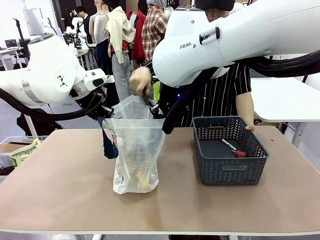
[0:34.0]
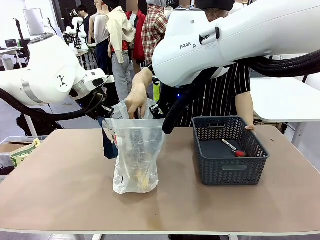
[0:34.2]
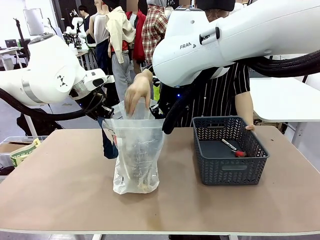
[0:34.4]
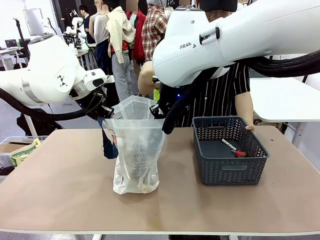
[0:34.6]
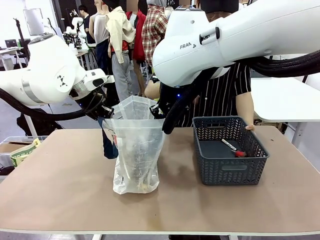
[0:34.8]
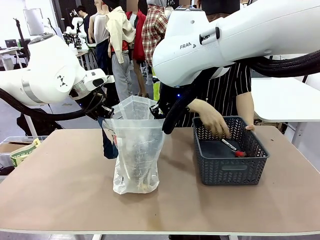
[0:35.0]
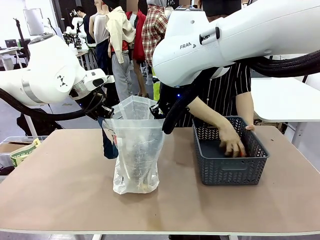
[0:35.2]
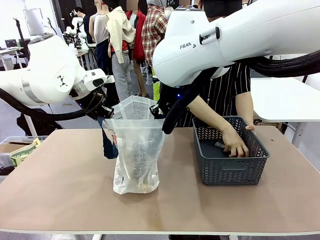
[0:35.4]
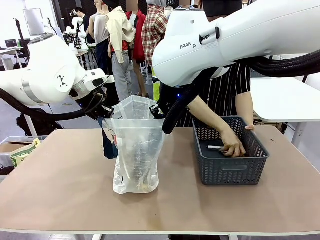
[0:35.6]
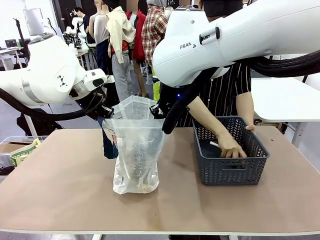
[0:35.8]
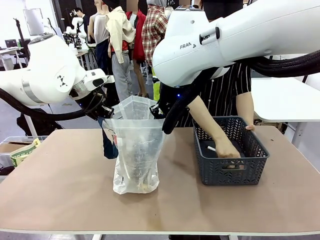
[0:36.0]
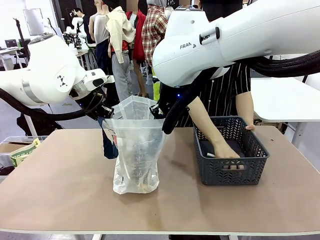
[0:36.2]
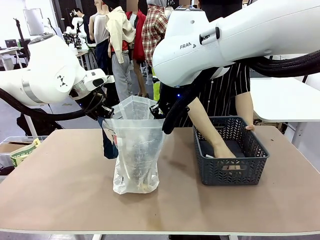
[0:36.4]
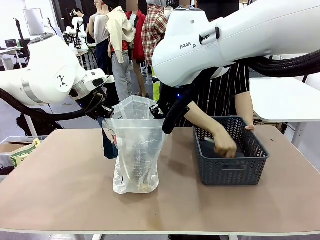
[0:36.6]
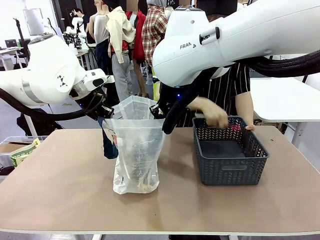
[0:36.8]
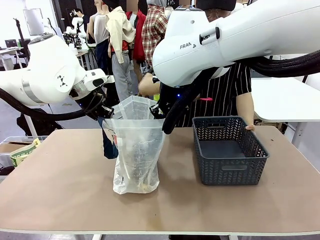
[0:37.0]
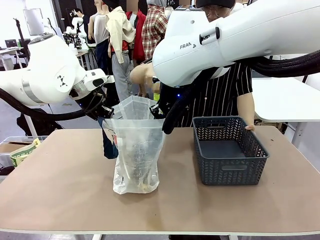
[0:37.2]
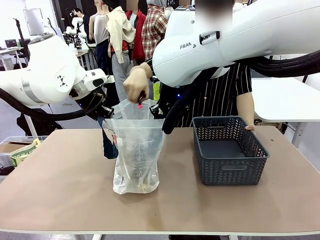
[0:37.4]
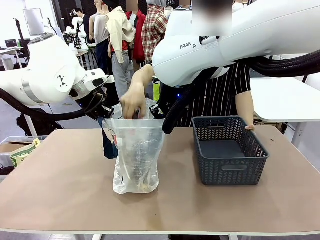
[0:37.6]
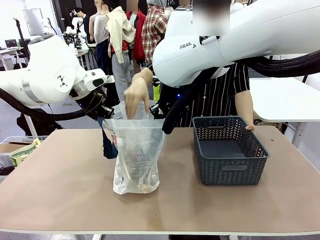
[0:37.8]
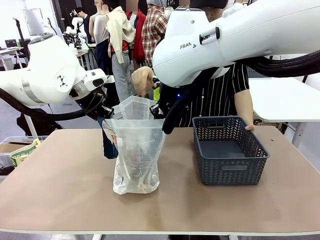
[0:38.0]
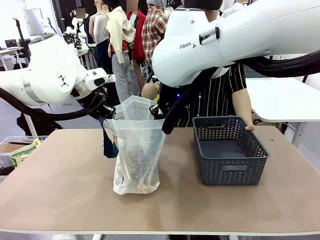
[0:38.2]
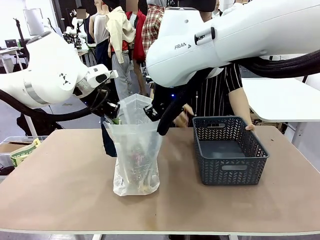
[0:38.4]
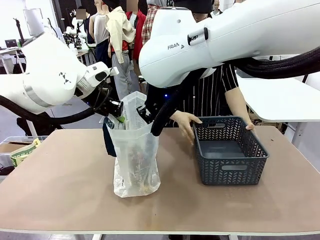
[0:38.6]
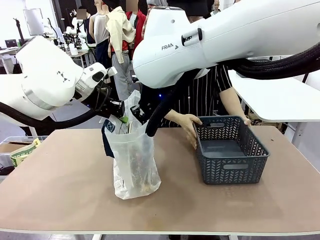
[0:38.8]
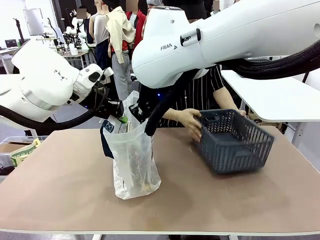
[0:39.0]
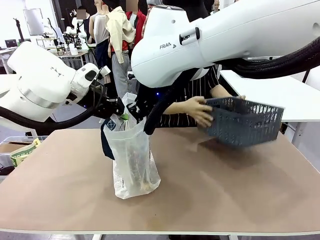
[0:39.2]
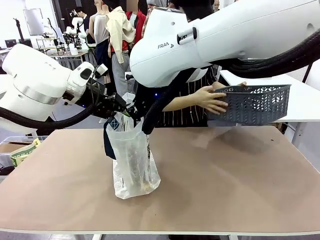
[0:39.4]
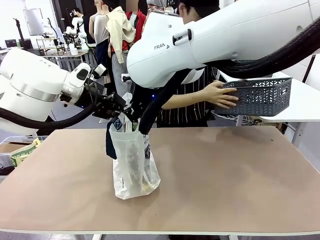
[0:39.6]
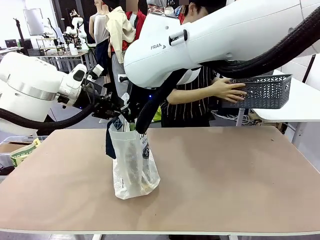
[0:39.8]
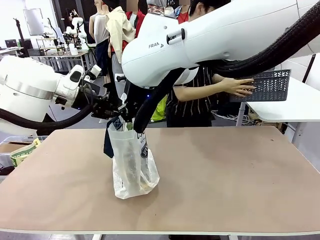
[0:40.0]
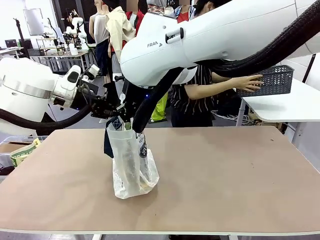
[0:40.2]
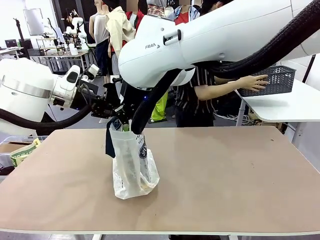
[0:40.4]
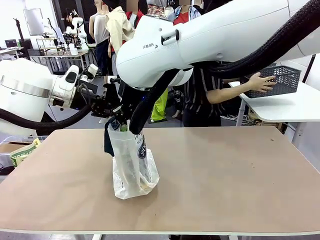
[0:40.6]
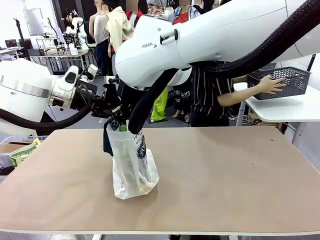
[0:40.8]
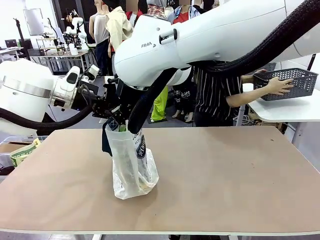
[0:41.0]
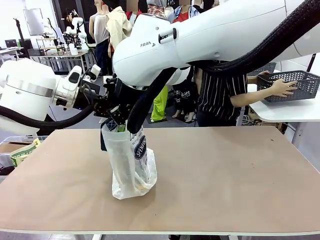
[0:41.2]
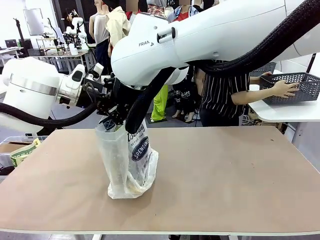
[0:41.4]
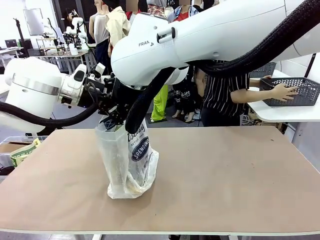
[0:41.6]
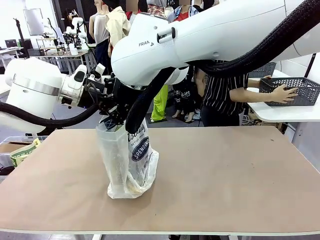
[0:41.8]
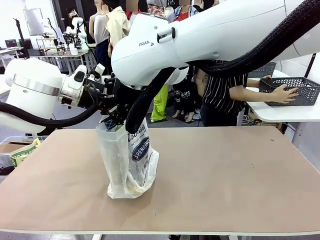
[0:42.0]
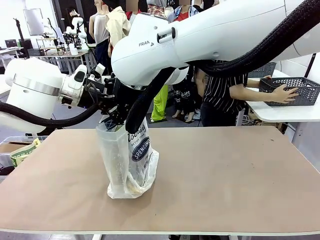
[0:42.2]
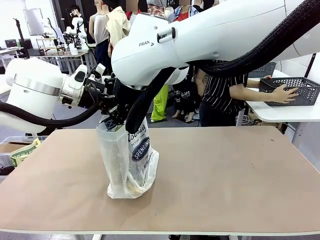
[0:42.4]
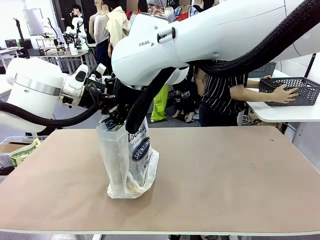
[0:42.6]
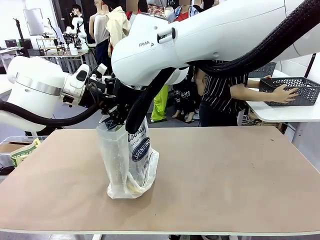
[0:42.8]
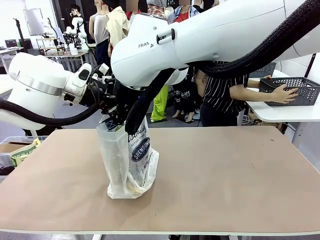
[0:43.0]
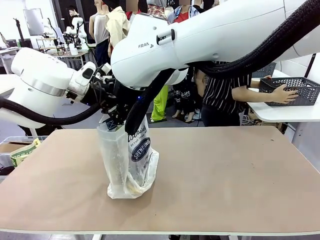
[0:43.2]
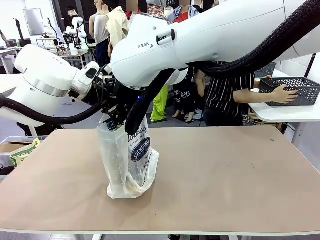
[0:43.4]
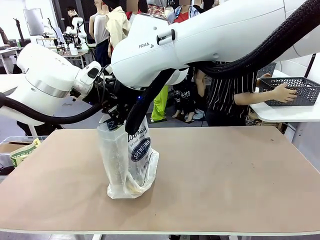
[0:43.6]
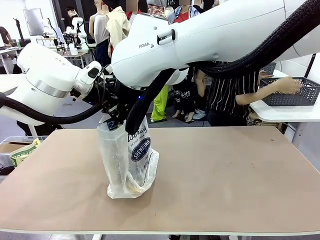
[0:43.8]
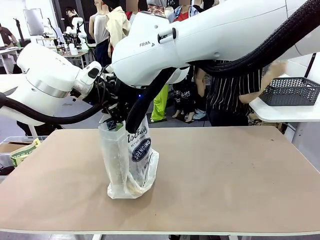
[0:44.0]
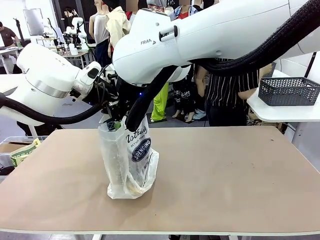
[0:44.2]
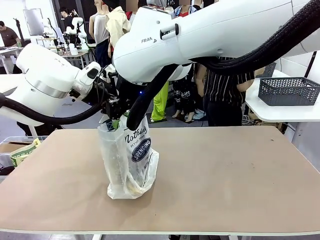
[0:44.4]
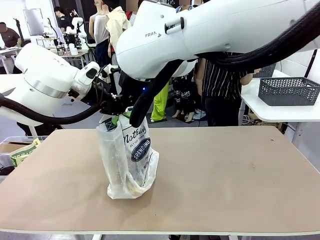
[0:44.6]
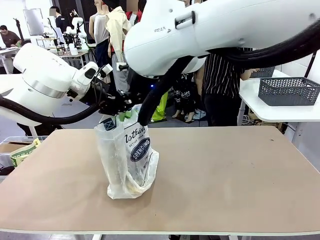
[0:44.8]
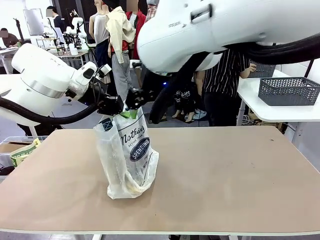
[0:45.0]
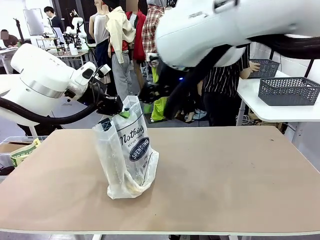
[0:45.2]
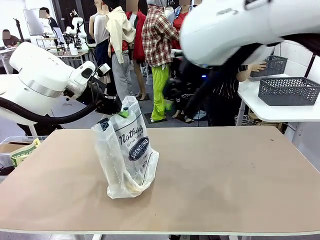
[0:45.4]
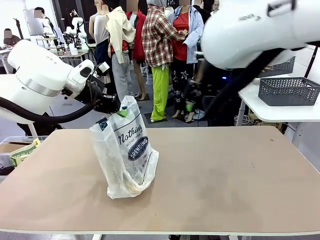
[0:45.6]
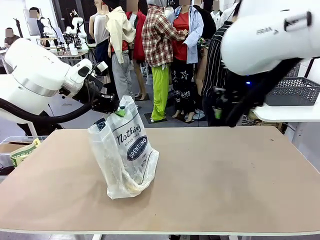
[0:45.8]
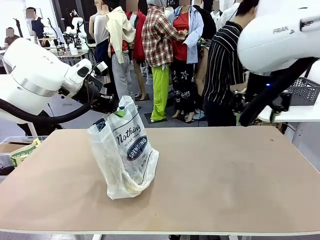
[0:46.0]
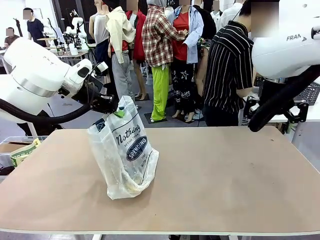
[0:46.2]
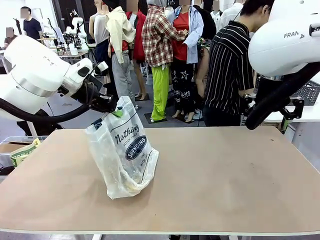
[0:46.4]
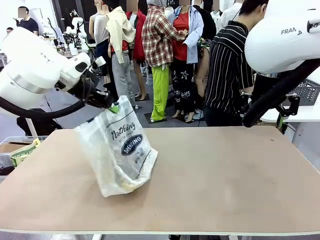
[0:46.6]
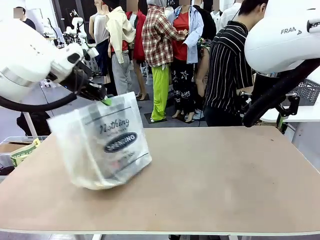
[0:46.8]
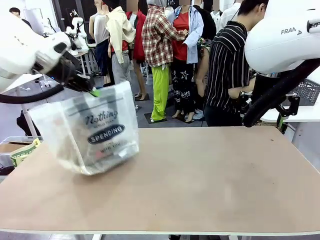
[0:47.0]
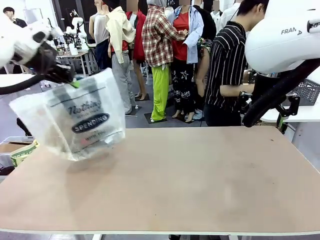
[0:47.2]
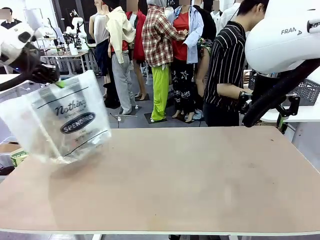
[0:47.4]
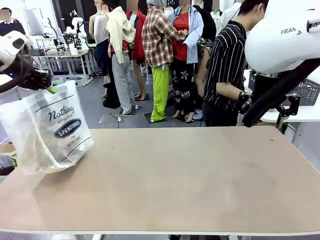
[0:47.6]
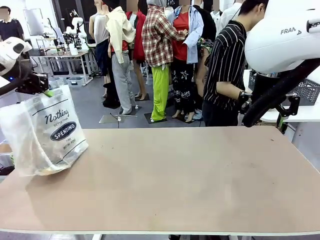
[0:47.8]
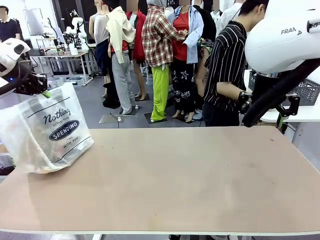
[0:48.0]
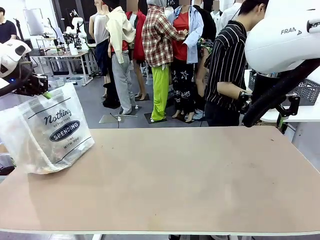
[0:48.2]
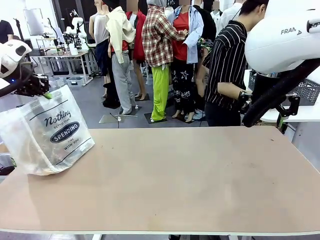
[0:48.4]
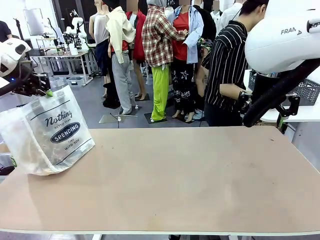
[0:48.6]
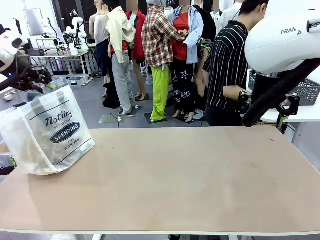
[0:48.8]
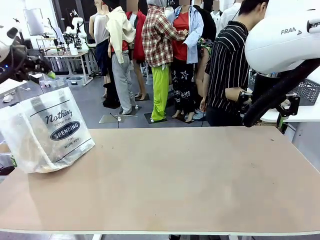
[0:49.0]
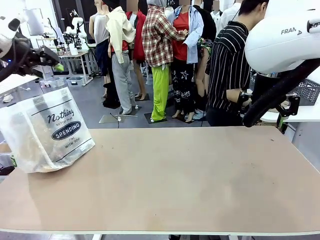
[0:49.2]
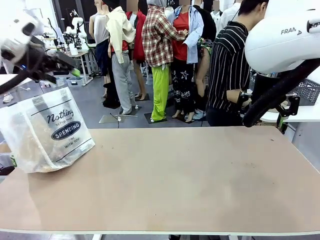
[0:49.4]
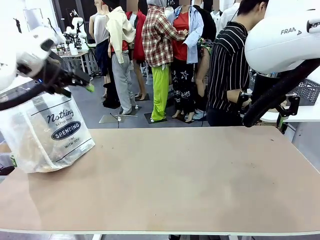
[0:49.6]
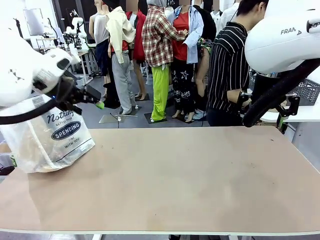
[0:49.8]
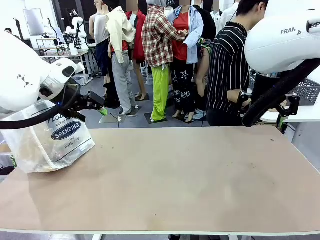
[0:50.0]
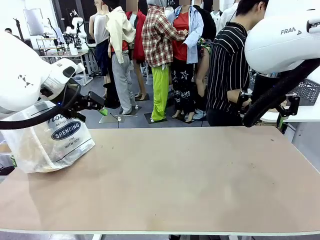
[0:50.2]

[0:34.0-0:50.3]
Task: Transfer purchased items from the store into the shopping bag.
Robot: Move the Reusable shopping bag to the right side of the table.
Person: Move the basket on the left to the middle of the person's table.
